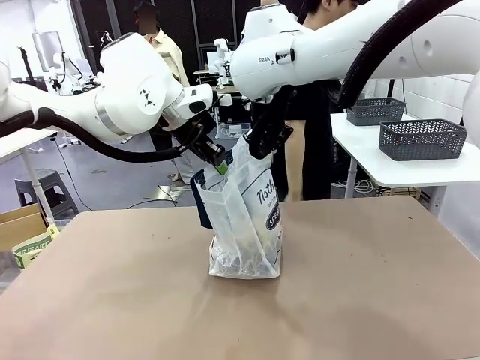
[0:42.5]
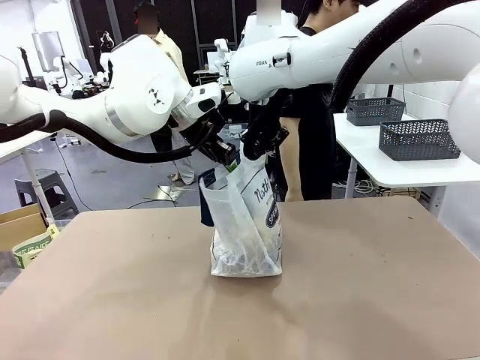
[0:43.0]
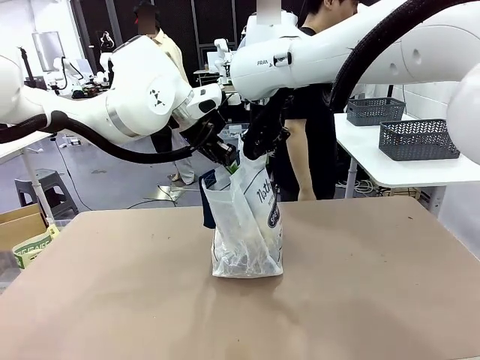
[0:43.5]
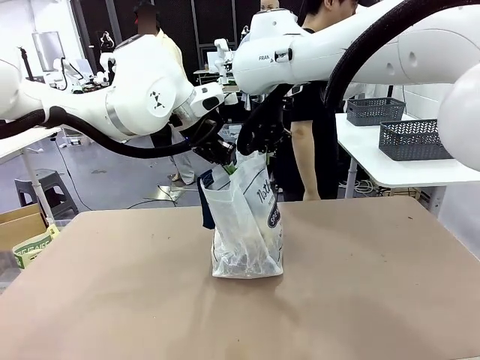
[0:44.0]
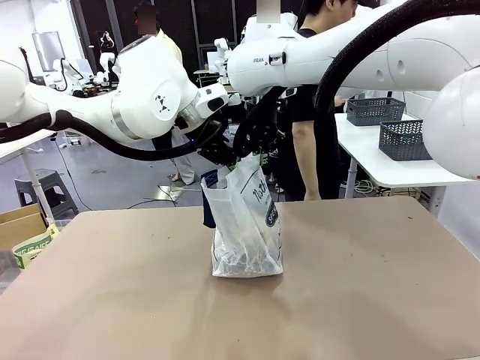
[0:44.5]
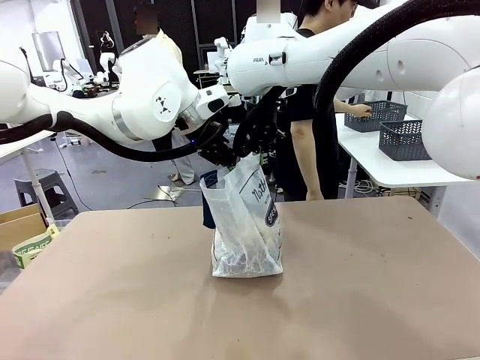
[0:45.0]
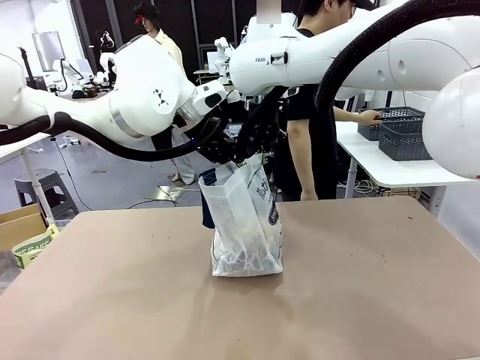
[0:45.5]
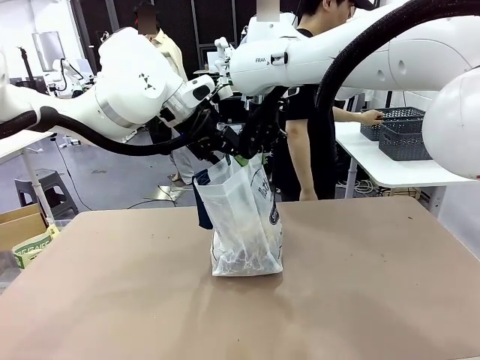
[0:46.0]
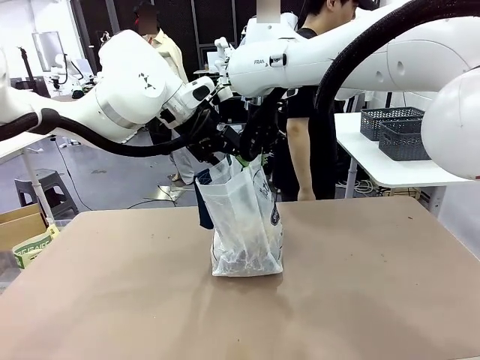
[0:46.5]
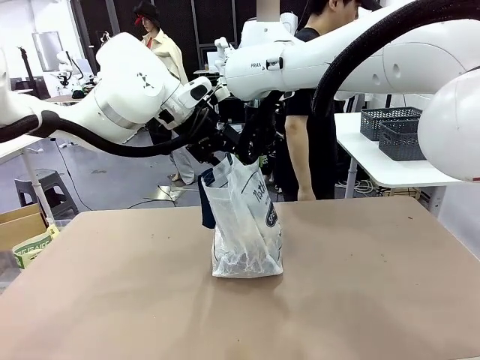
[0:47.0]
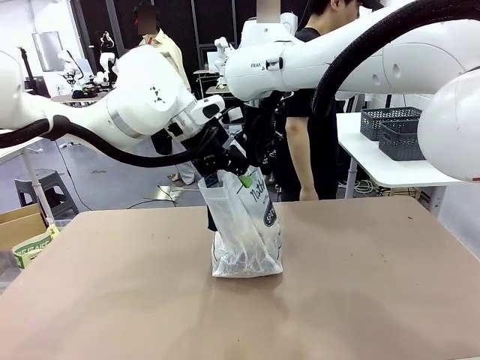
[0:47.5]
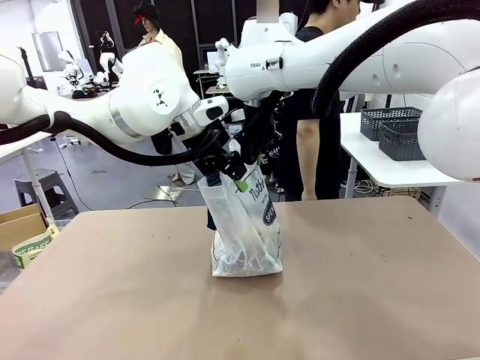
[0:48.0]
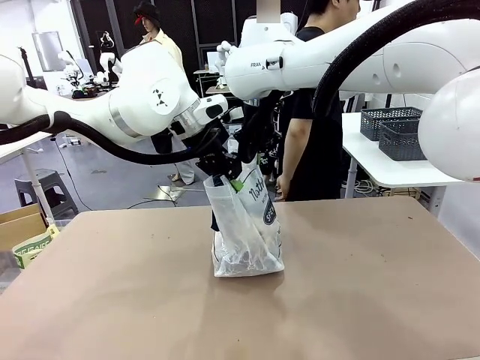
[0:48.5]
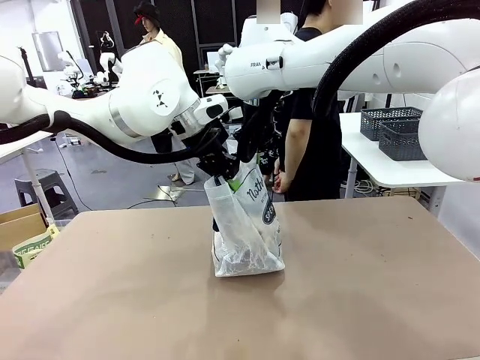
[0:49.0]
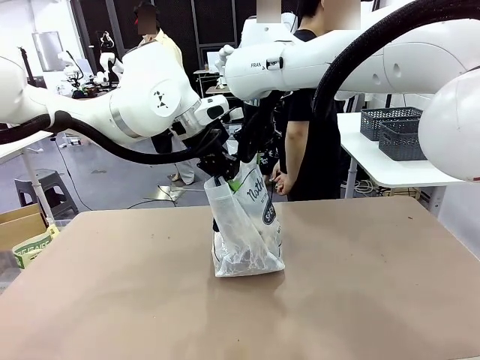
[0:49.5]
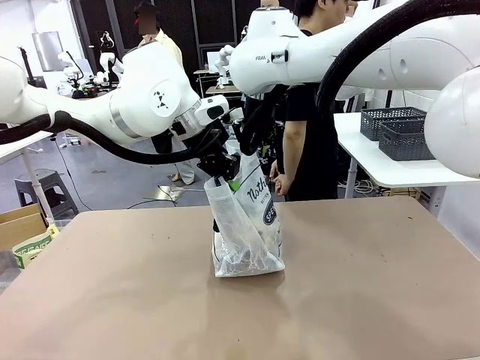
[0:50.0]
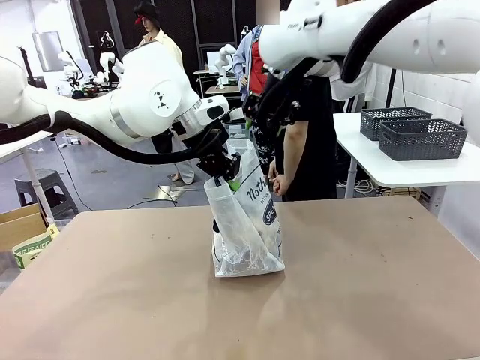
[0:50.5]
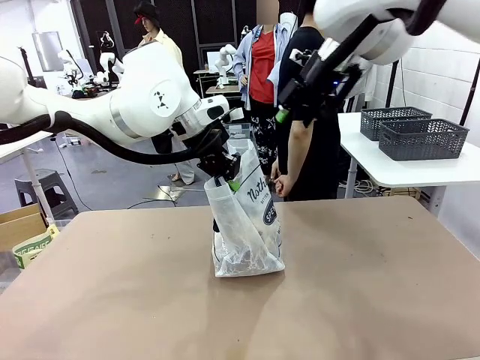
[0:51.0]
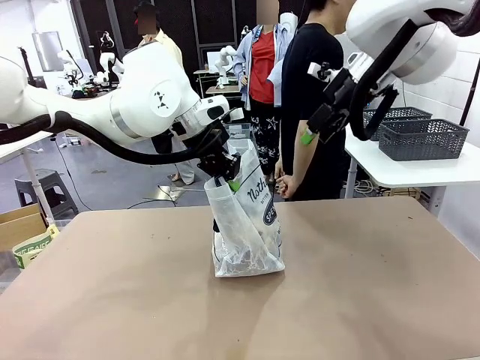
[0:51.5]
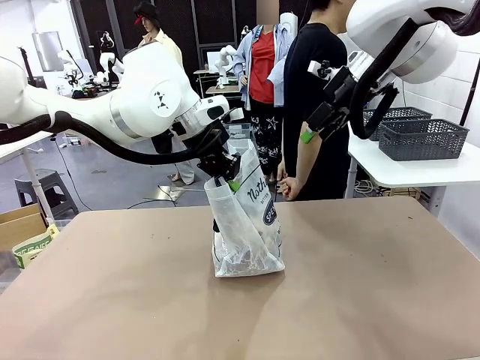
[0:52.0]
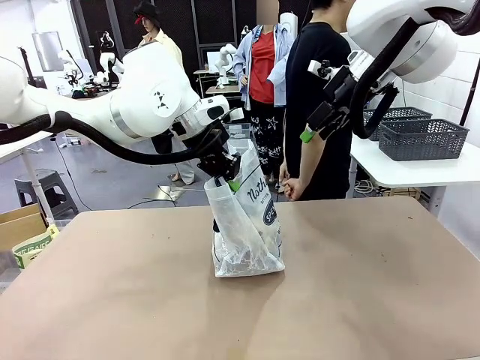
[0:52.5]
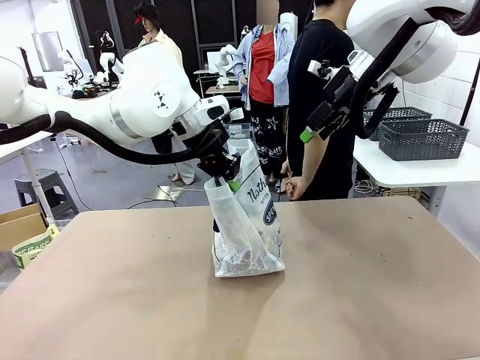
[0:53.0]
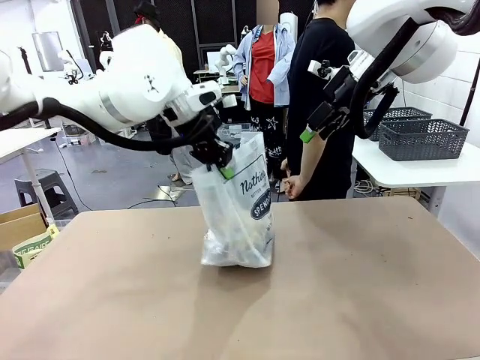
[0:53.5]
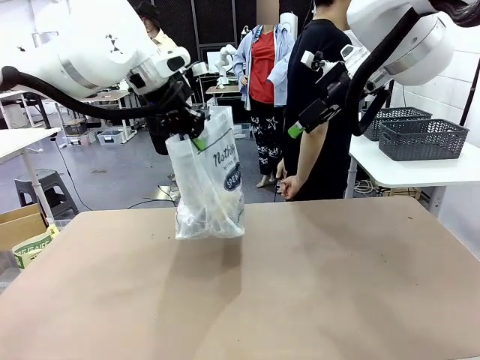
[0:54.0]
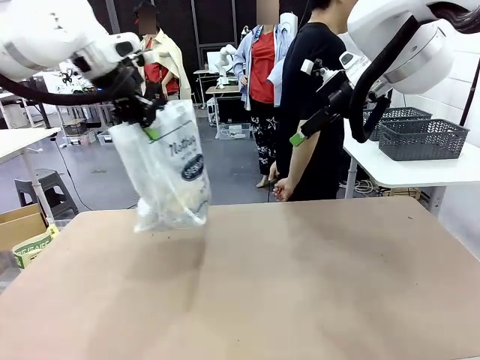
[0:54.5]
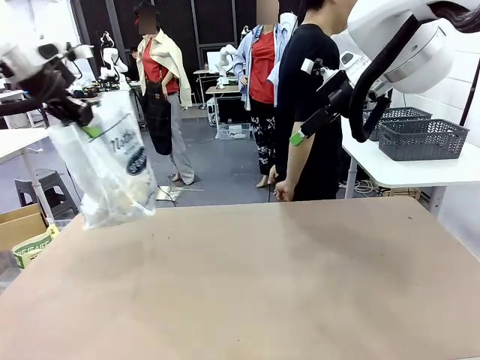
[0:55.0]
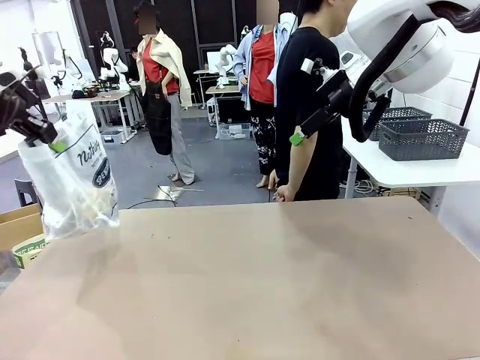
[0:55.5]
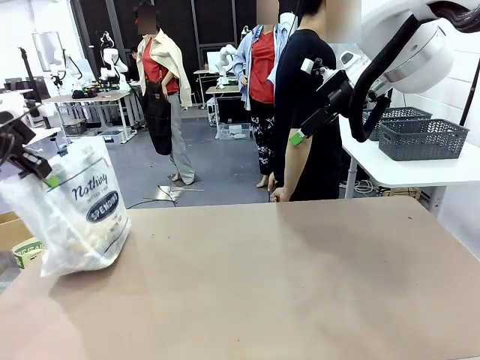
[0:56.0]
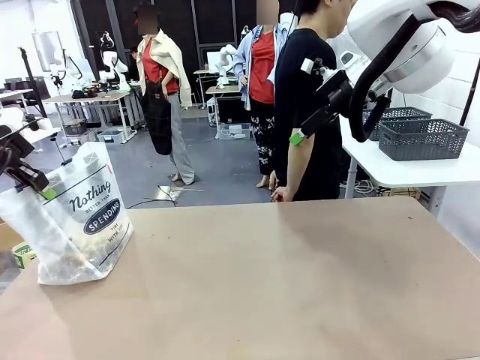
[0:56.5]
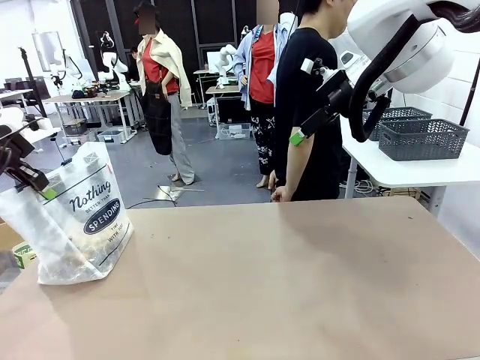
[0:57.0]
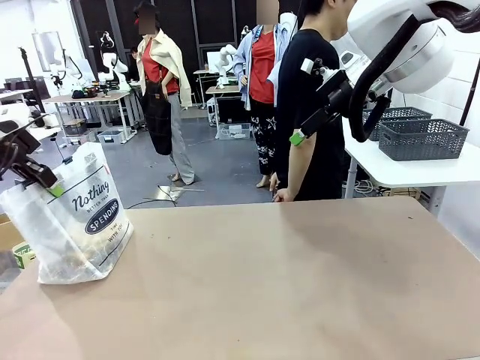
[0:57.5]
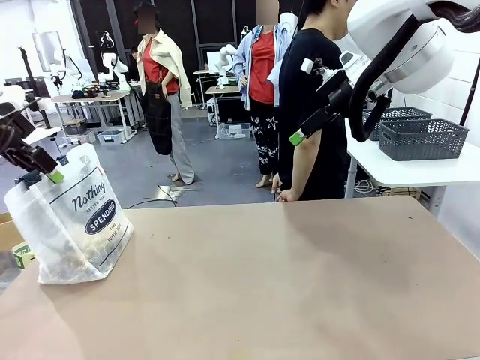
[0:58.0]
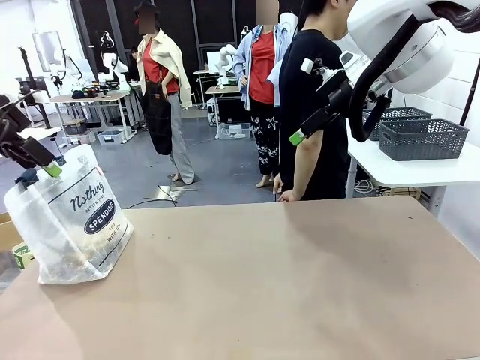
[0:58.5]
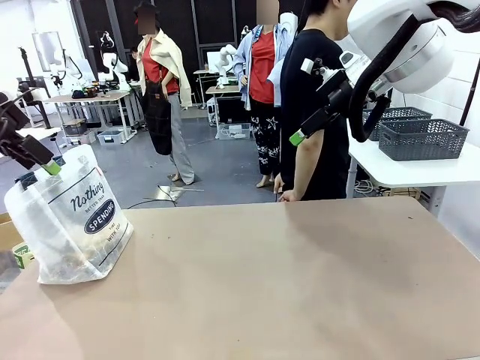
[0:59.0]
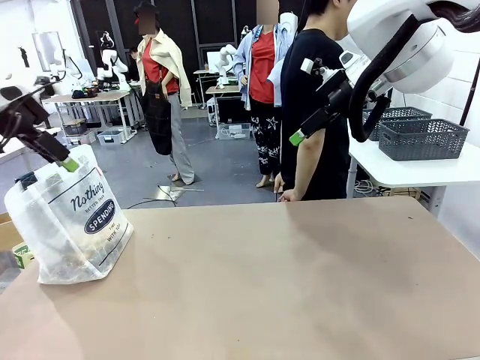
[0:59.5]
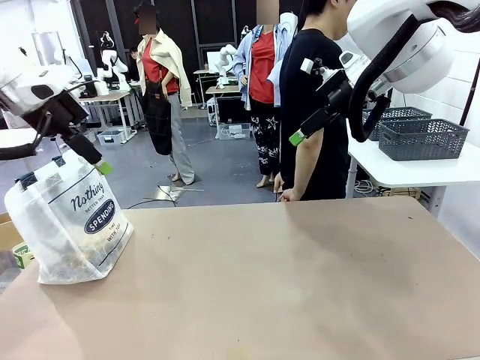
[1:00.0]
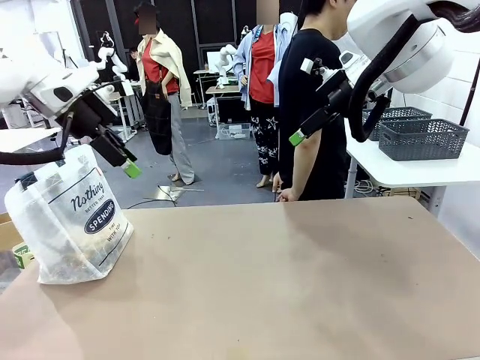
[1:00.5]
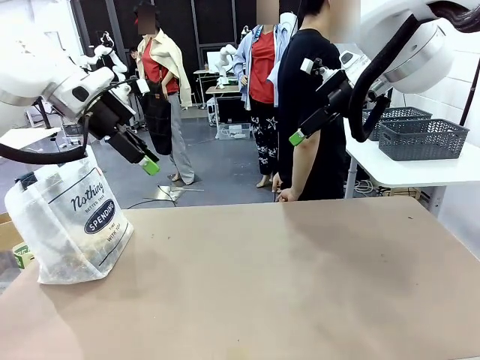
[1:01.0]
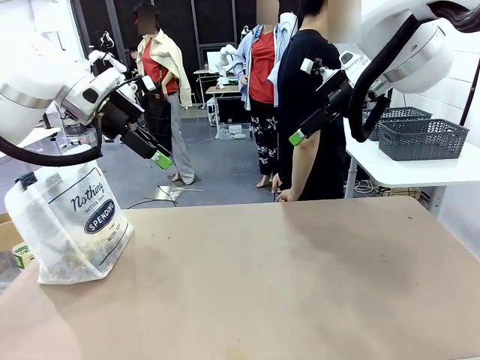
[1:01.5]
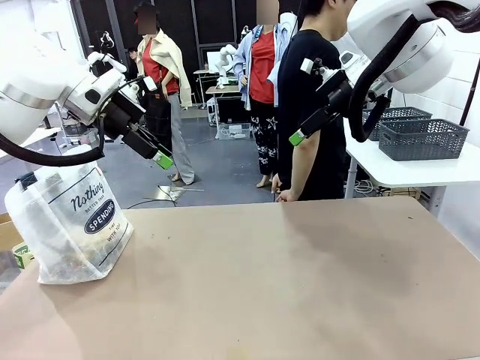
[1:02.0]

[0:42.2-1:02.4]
Task: Transfer purchased items from the store into the shopping bag.
Robot: Move the Reusable shopping bag to the right side of the table.
Person: Move the basket on the left to the middle of the person's table.

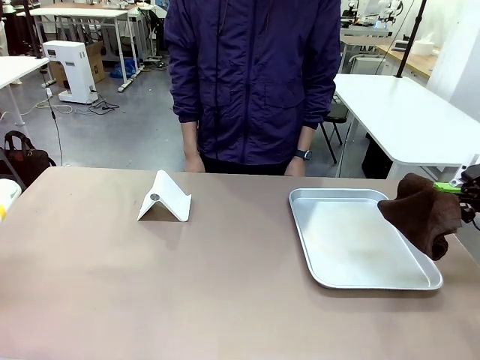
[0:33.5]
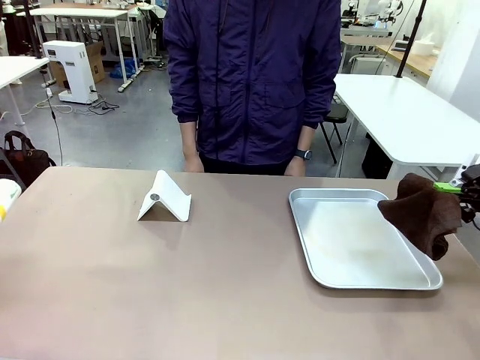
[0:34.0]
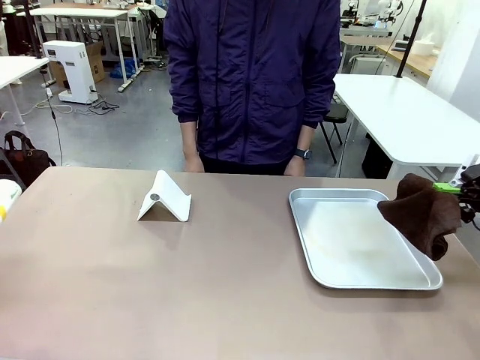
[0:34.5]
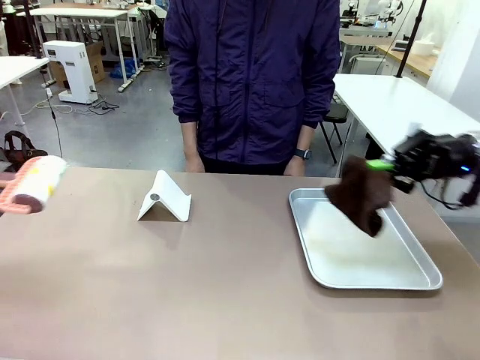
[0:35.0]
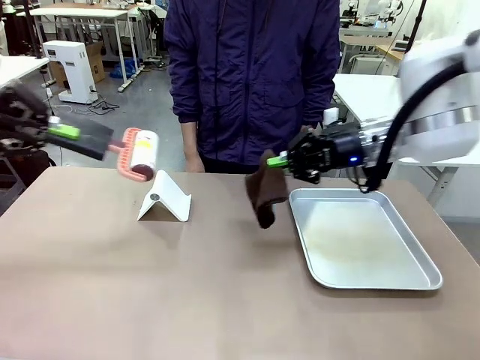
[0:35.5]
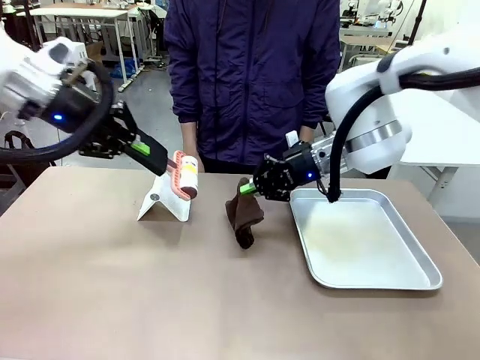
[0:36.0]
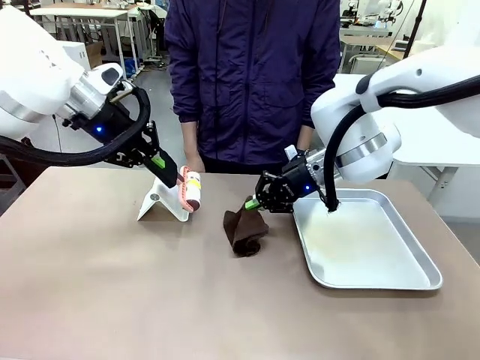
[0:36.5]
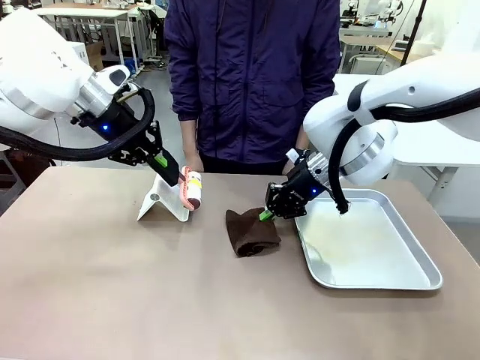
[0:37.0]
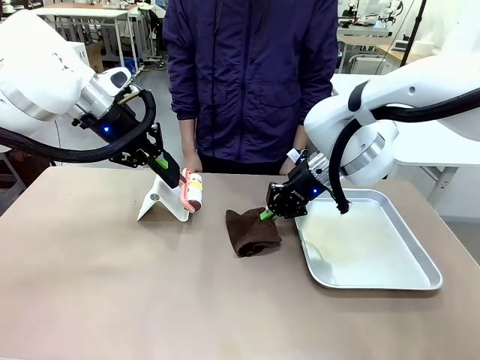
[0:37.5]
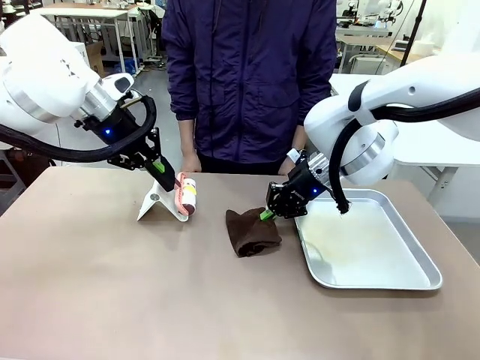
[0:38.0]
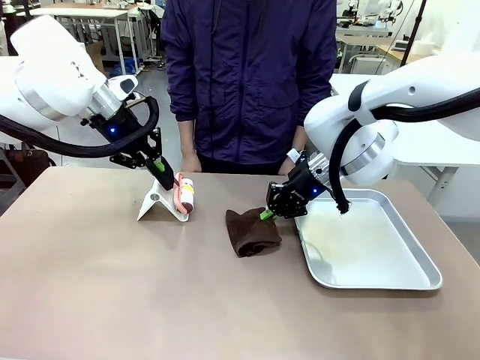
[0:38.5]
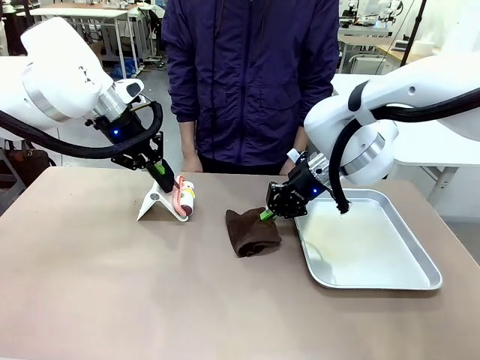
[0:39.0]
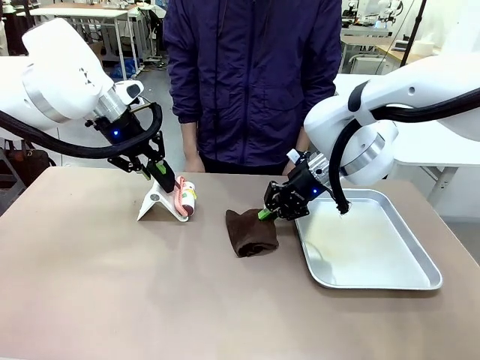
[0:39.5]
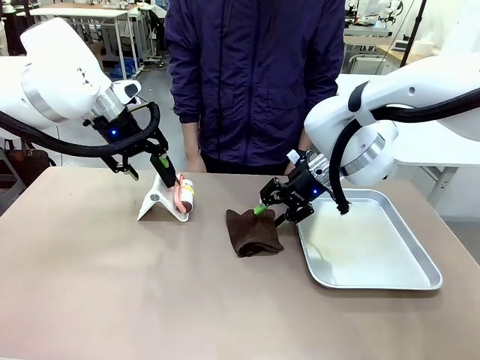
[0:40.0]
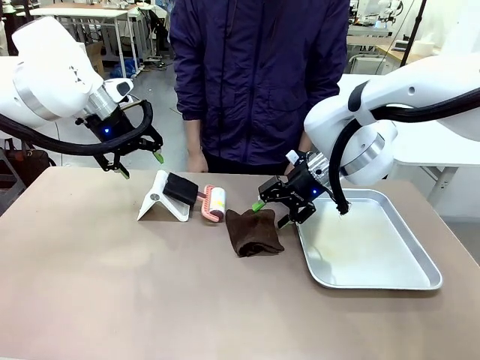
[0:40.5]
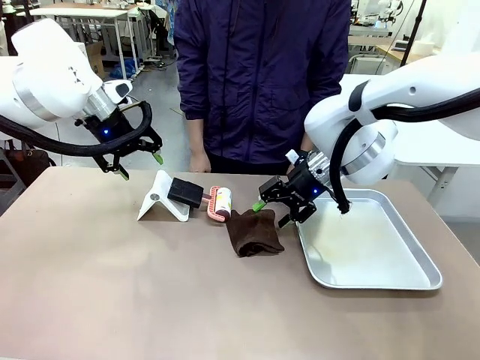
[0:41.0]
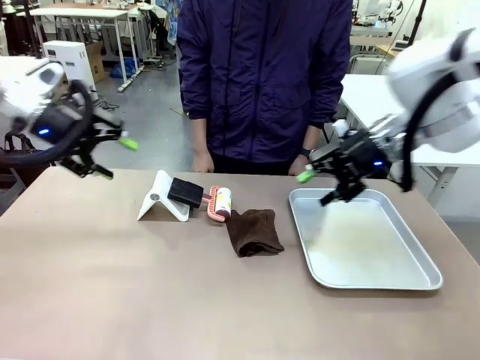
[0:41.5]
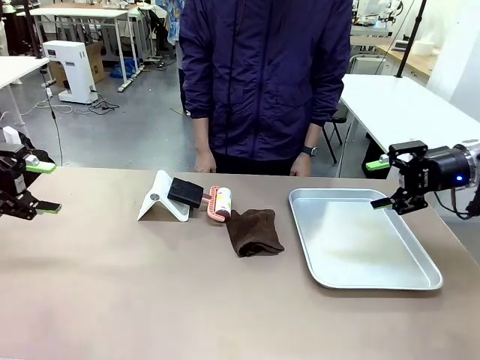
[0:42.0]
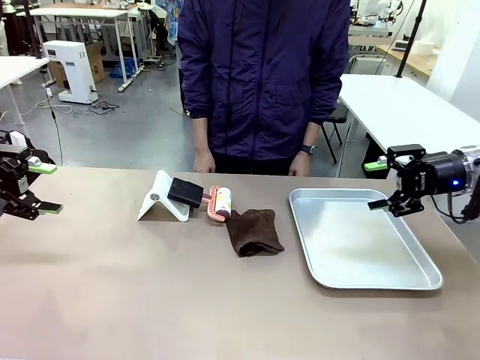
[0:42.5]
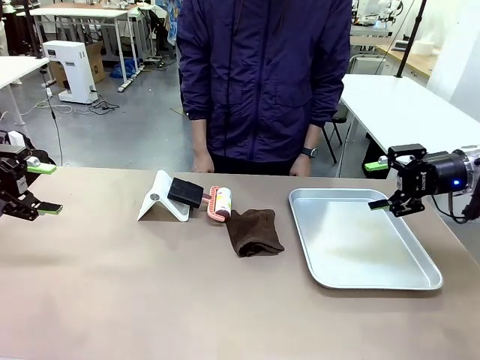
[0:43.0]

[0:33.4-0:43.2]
Task: Clean the surface of the table.
Robot: Return the Lint Roller and towel to their original positions.
